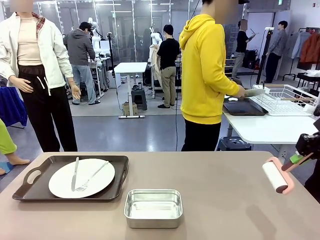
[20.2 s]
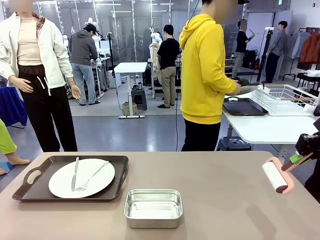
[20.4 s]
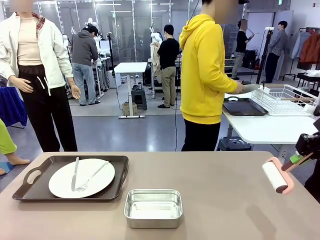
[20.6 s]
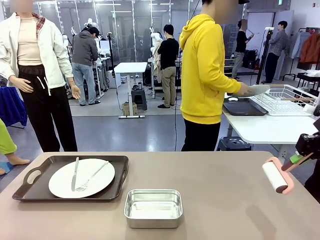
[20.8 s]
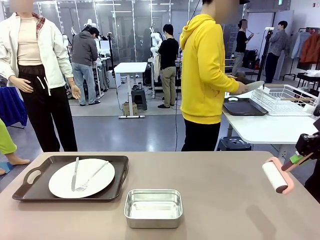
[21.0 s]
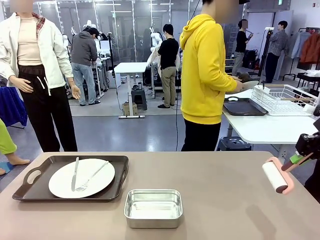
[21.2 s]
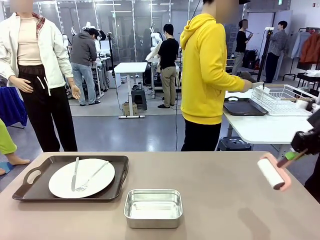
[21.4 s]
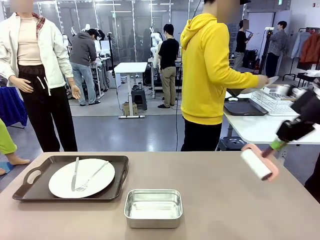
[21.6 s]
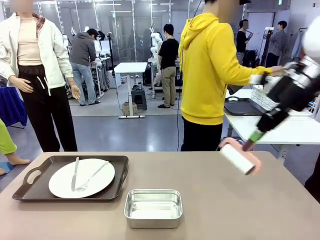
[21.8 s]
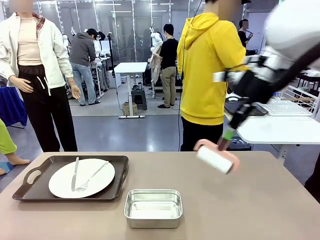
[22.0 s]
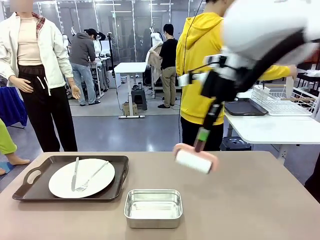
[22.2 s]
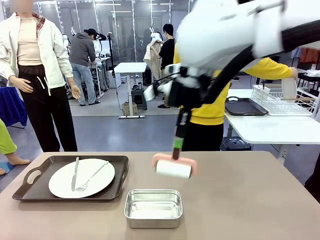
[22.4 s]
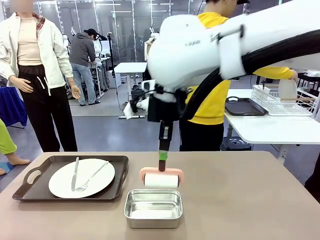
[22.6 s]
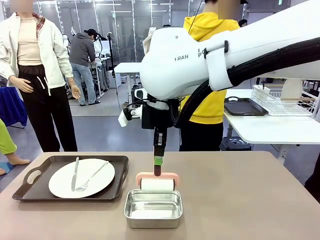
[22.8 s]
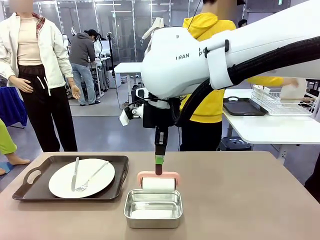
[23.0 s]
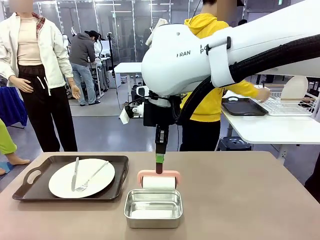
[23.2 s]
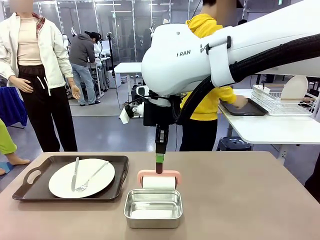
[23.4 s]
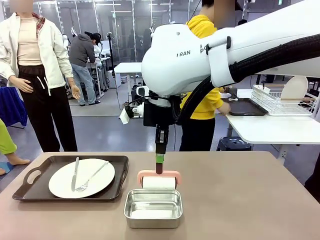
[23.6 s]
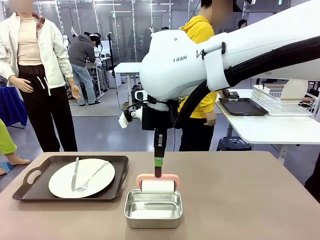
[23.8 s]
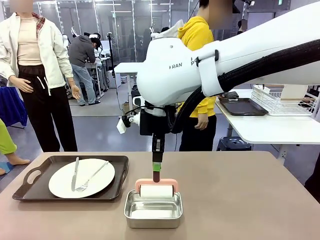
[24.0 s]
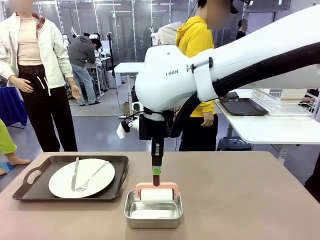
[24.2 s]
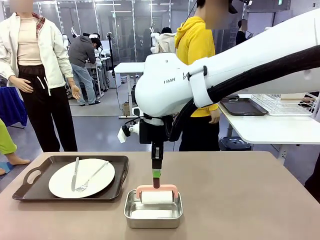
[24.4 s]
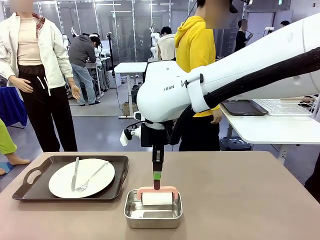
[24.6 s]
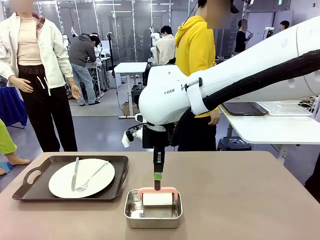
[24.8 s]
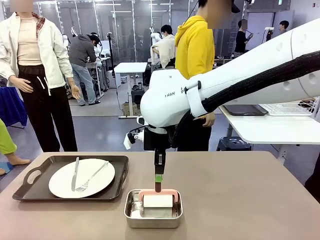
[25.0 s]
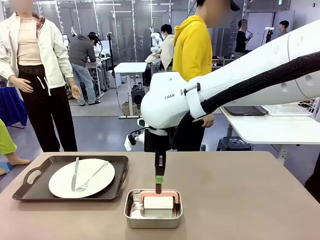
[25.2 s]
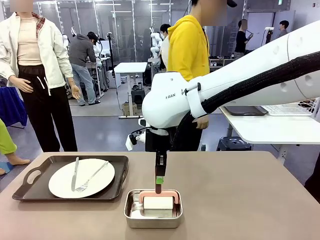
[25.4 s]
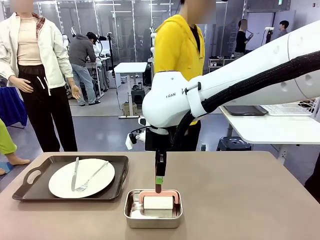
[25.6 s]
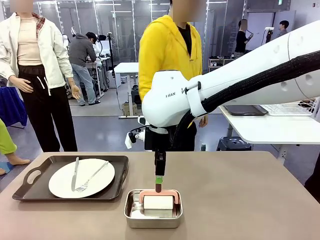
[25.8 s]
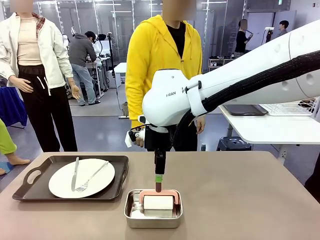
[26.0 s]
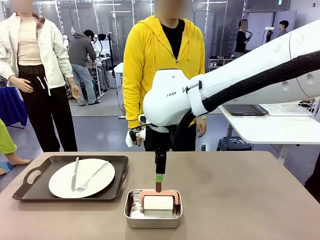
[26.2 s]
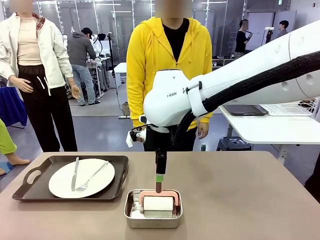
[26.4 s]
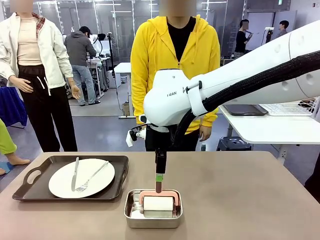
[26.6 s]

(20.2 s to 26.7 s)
Robot: Place the Lint Roller back on top of the Airtight Container.

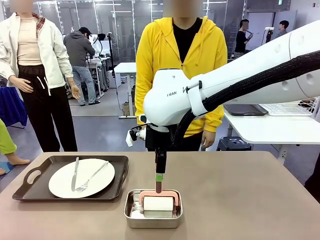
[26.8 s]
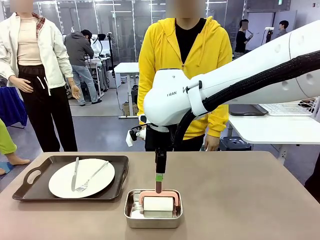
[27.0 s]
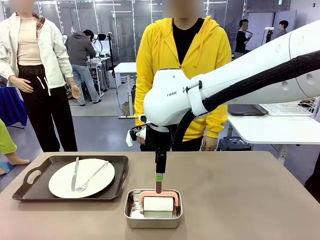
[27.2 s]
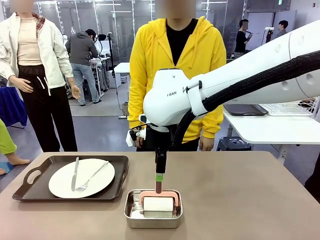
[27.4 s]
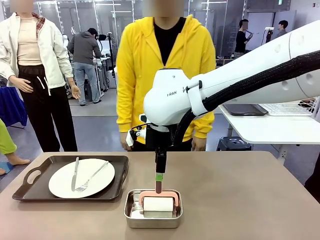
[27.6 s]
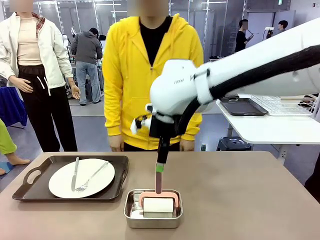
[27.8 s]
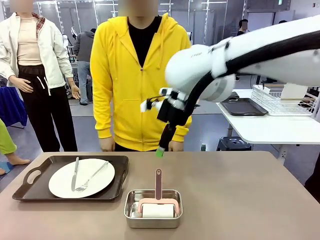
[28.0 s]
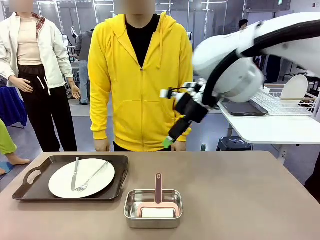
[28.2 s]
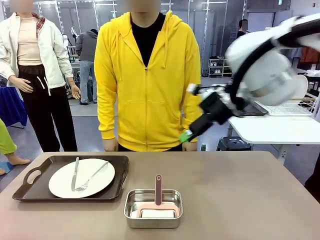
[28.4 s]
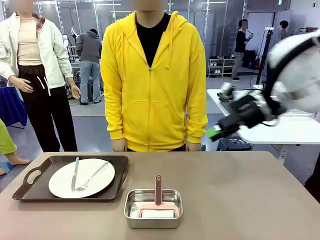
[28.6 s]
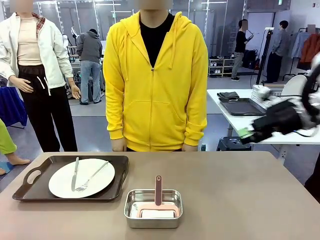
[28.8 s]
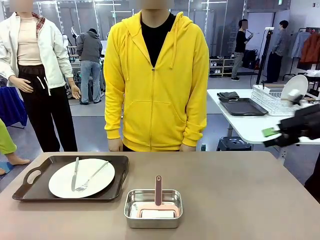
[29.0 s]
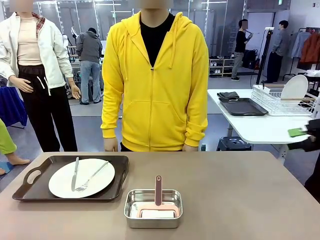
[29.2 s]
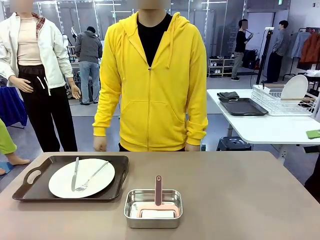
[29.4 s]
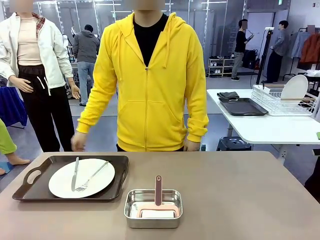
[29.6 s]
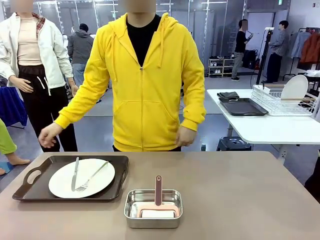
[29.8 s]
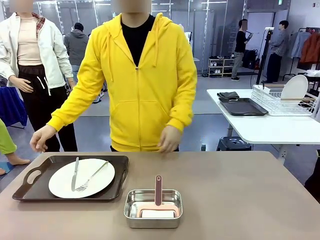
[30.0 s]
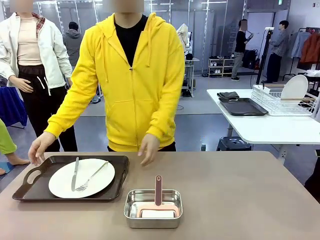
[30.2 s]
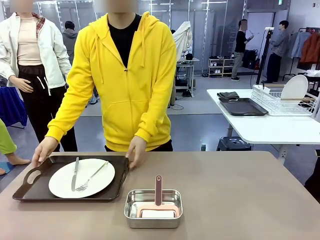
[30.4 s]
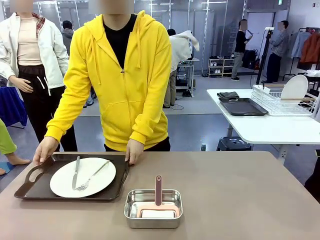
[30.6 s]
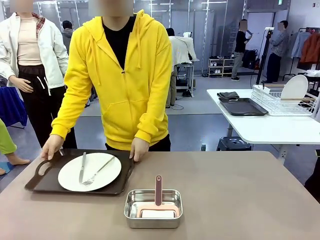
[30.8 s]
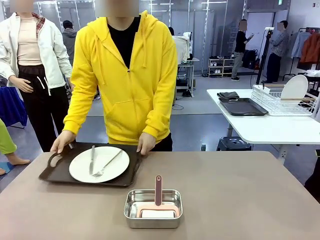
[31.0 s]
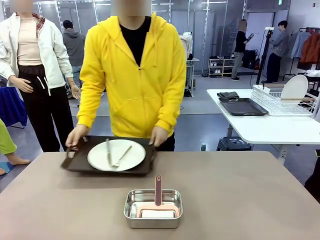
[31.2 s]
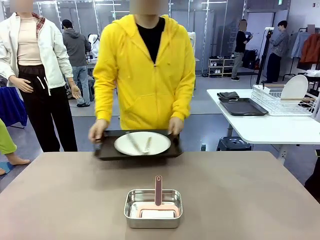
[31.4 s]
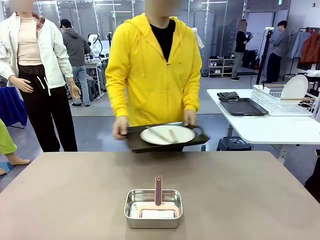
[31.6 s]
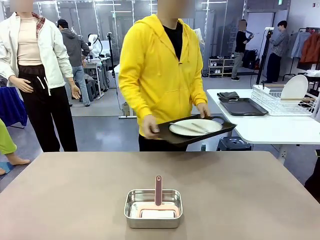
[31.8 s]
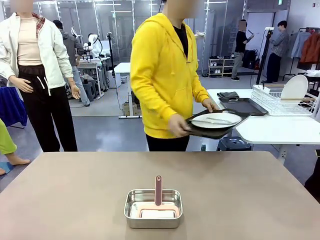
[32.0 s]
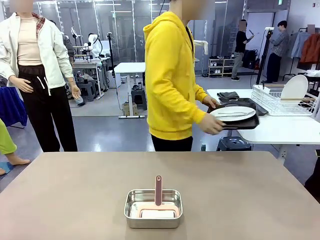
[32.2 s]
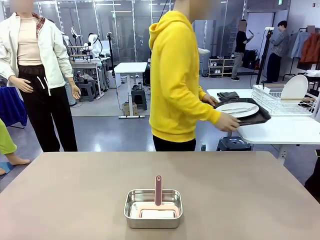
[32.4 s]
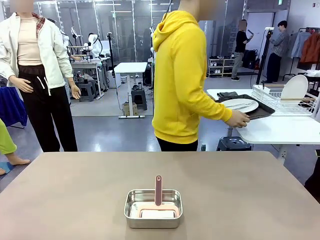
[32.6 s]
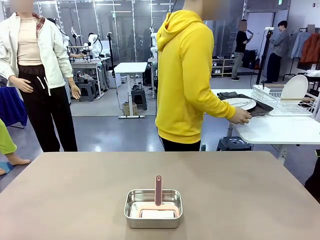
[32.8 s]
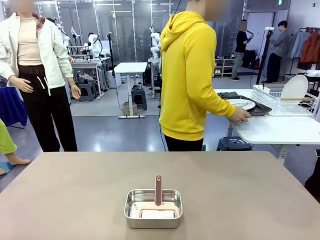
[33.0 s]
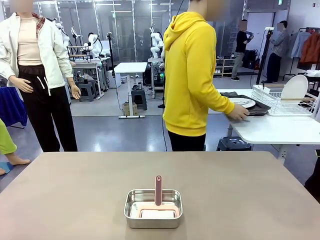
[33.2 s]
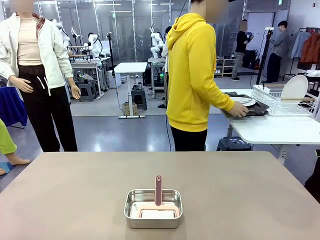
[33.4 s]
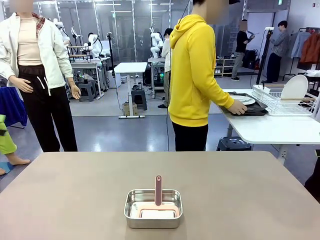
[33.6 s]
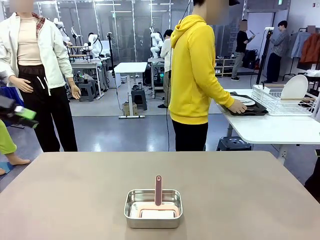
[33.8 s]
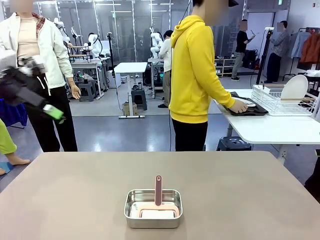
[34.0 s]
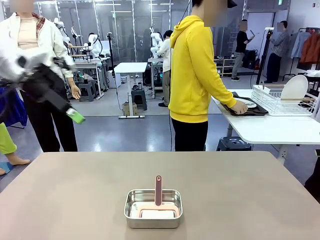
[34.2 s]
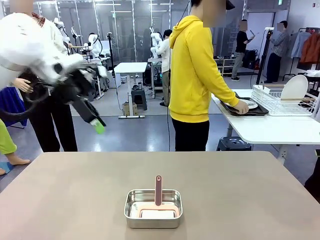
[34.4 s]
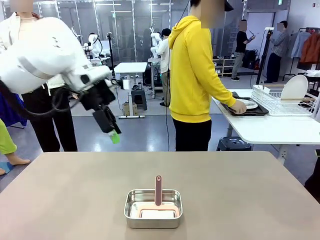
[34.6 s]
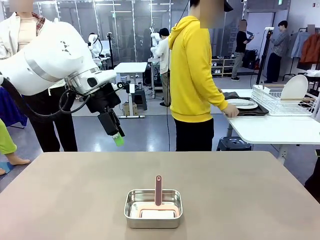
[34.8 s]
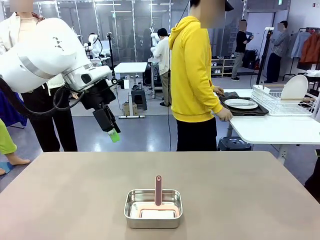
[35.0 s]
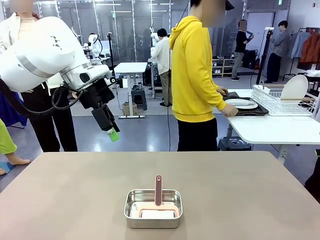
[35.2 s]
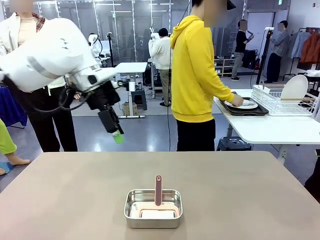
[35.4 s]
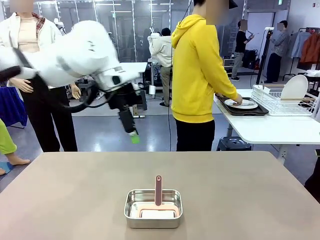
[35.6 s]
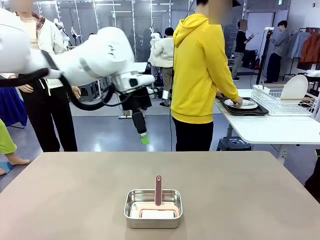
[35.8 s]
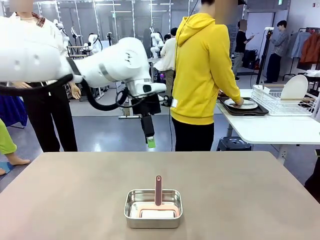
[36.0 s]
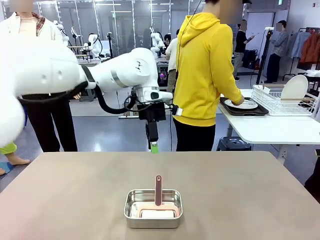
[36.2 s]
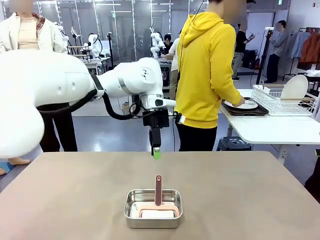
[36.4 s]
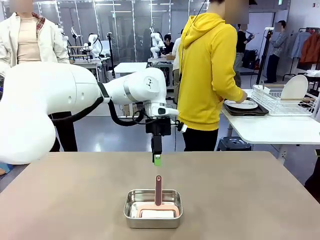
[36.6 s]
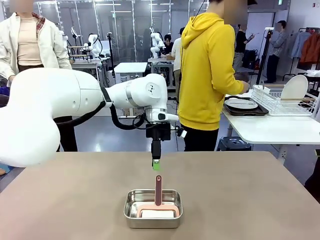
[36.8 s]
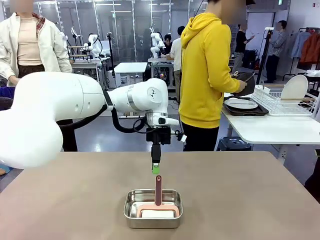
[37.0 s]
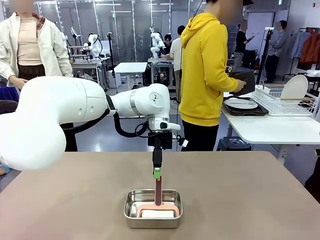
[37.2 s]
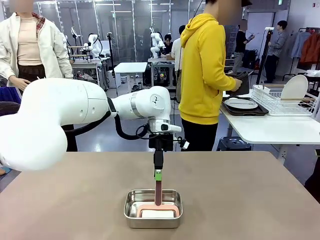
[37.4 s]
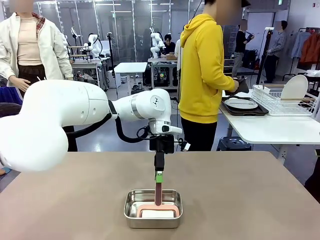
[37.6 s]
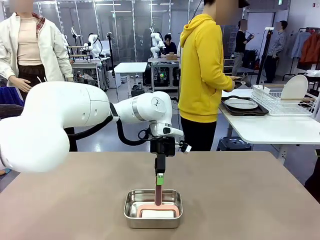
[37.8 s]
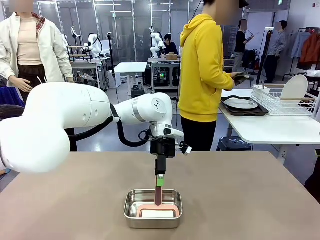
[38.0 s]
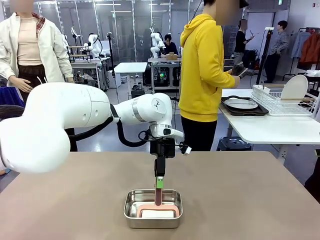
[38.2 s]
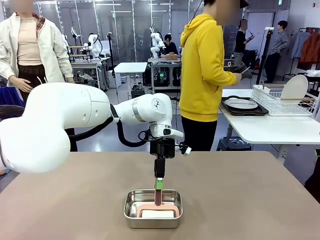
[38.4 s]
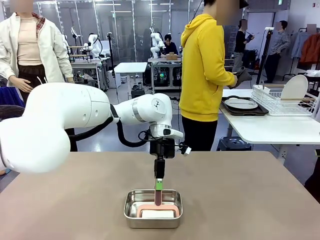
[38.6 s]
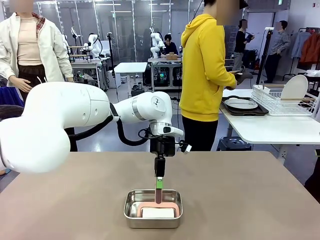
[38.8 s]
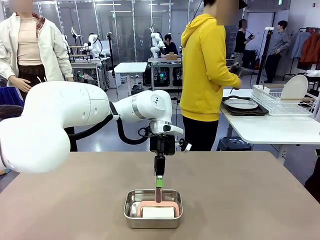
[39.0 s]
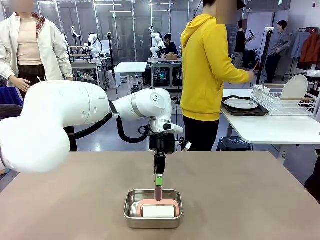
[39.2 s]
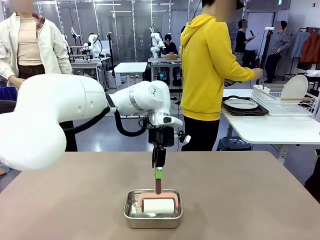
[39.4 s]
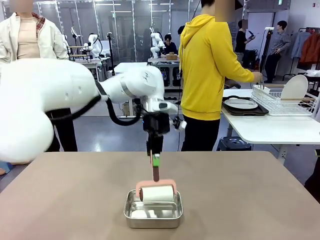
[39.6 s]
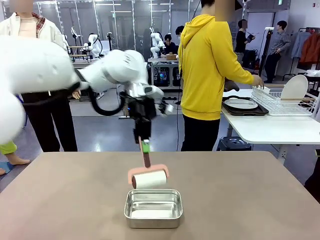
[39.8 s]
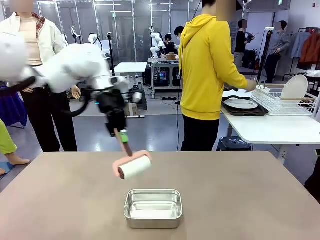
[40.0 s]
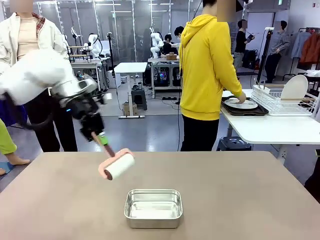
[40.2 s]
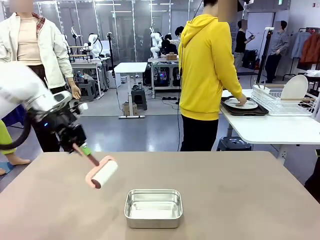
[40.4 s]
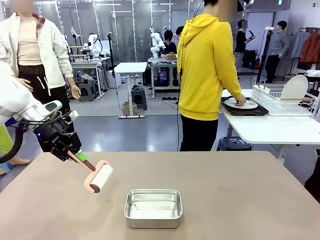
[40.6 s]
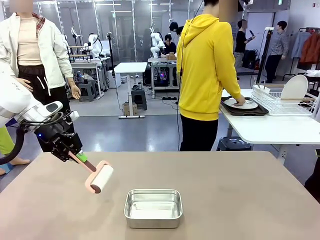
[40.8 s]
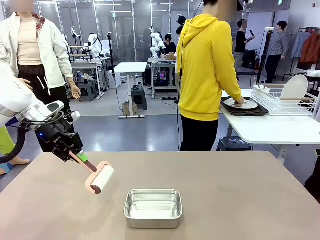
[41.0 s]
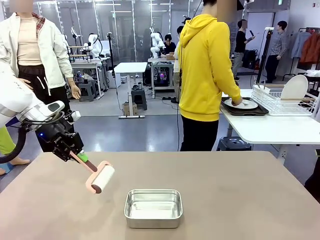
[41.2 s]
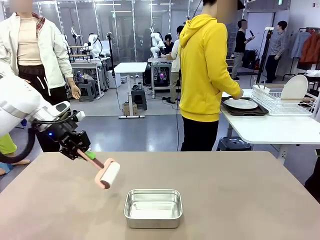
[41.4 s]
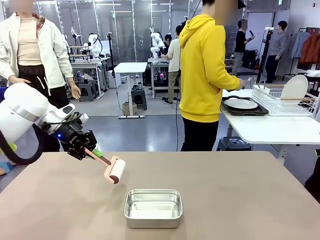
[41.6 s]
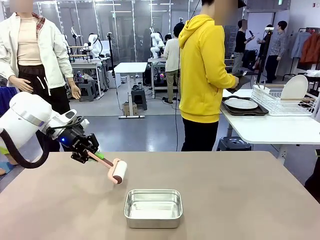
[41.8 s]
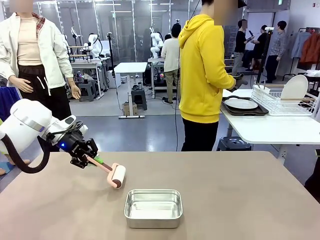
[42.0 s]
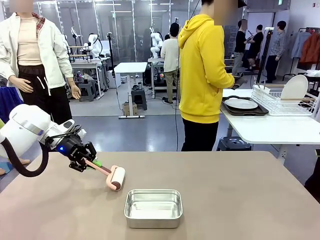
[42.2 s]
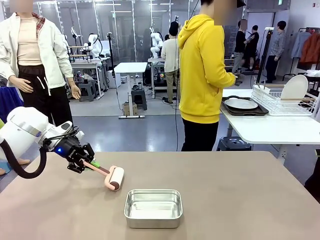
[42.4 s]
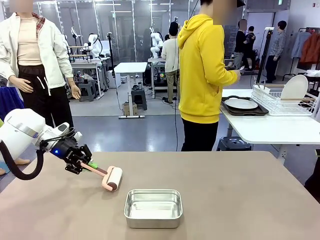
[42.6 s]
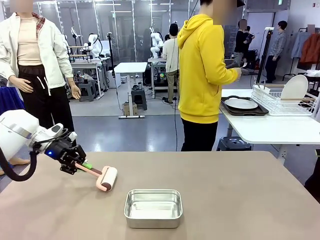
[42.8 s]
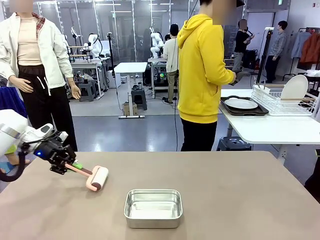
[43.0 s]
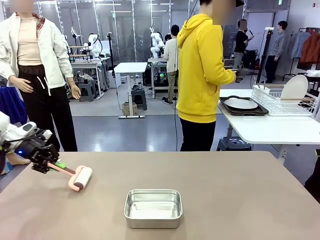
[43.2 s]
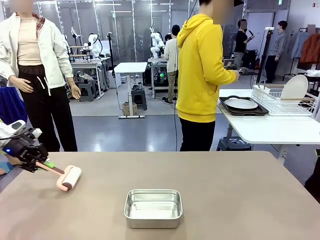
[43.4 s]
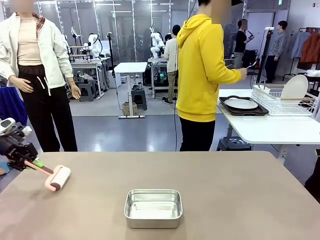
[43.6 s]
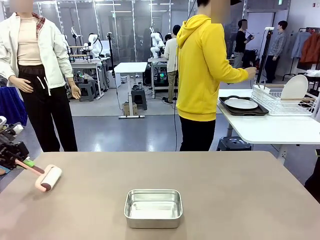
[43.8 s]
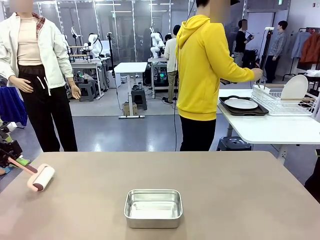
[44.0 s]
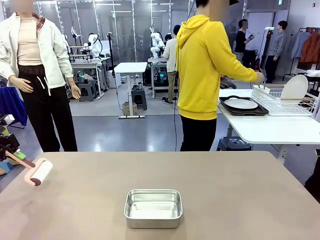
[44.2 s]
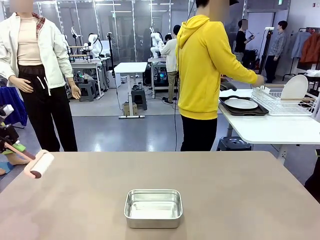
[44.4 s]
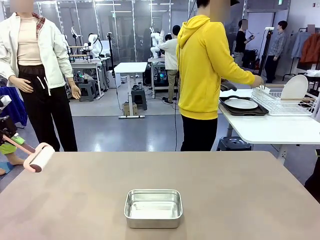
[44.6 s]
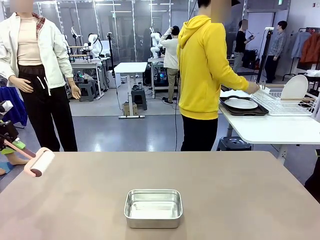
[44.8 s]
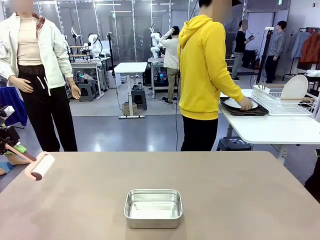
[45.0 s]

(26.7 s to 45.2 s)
Robot: When the right (or left) Handle tray is removed, use the right hand (or left hand) to clean the right (or left) side of the table with the Lint Roller.
Person: Pick up the left (or right) Handle tray and place it on the Handle tray.
